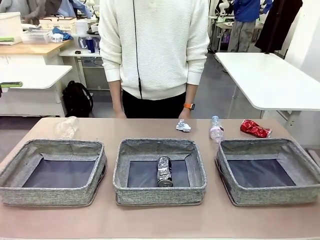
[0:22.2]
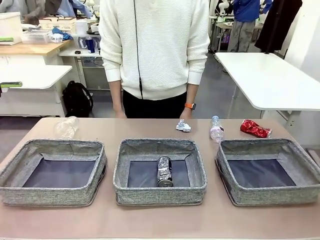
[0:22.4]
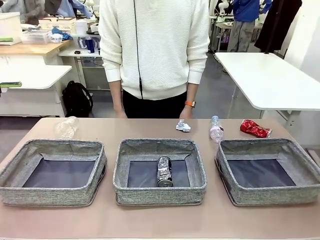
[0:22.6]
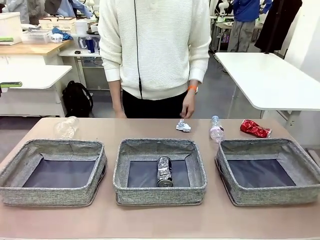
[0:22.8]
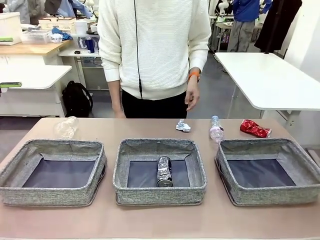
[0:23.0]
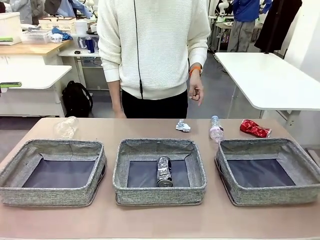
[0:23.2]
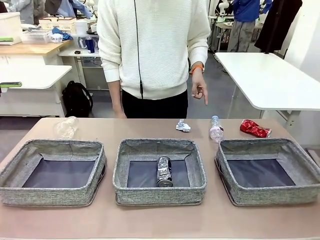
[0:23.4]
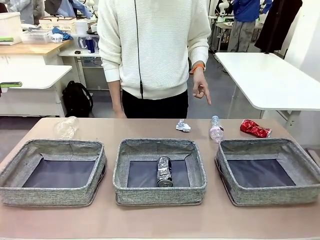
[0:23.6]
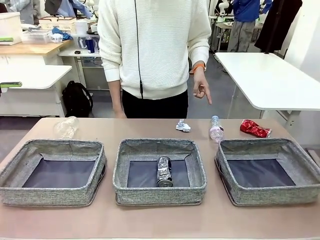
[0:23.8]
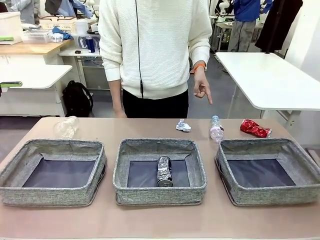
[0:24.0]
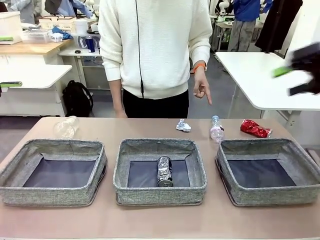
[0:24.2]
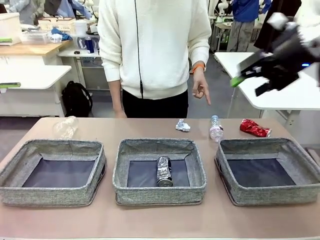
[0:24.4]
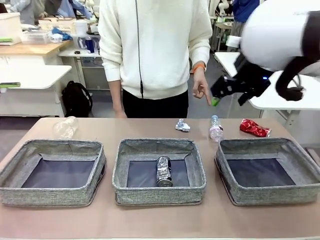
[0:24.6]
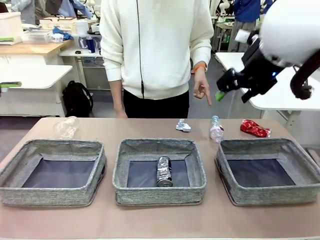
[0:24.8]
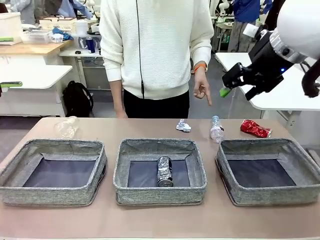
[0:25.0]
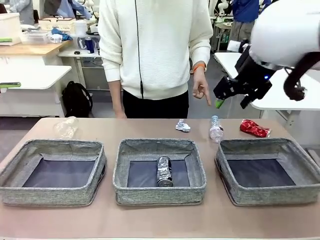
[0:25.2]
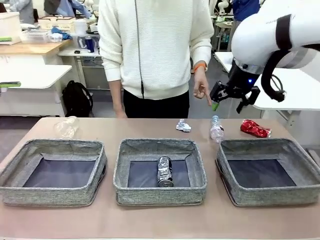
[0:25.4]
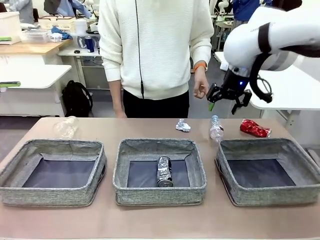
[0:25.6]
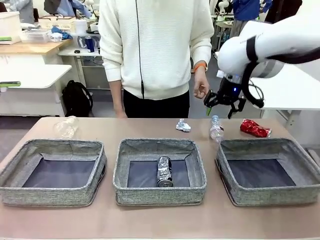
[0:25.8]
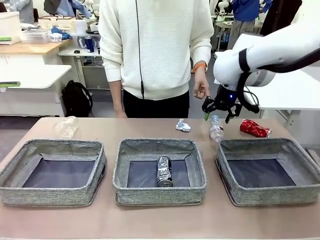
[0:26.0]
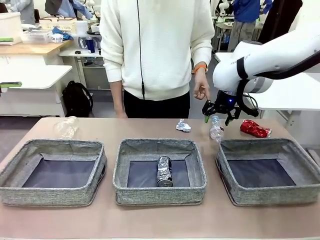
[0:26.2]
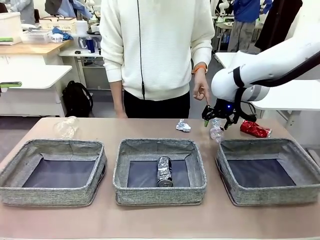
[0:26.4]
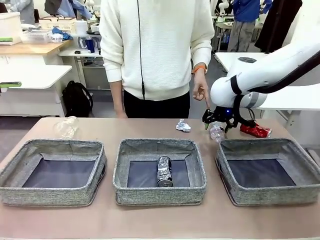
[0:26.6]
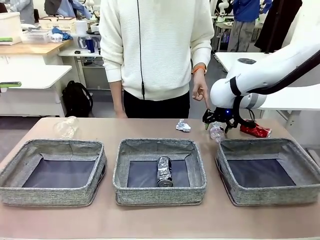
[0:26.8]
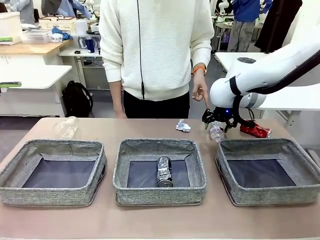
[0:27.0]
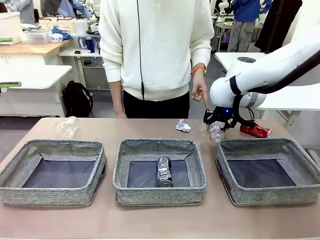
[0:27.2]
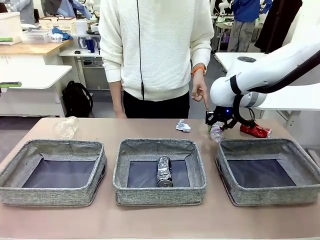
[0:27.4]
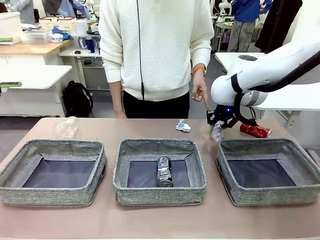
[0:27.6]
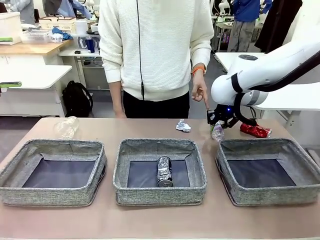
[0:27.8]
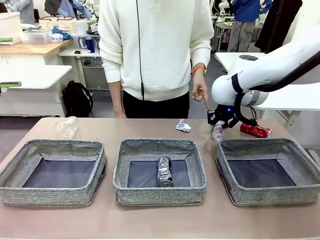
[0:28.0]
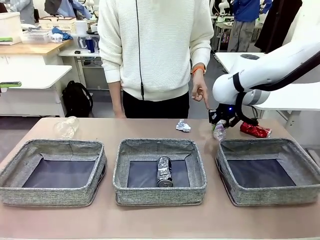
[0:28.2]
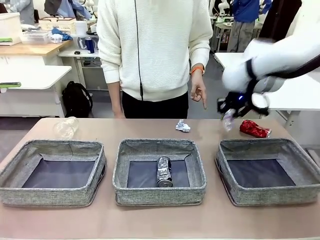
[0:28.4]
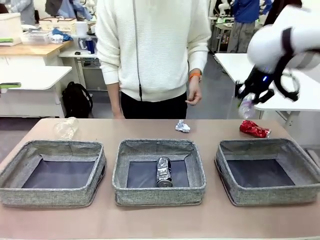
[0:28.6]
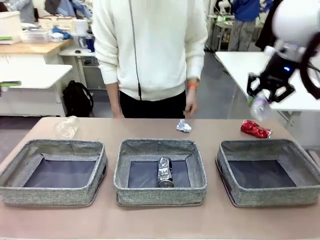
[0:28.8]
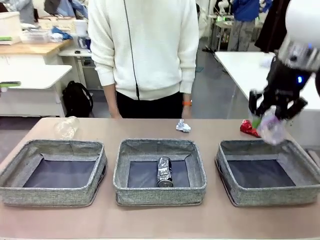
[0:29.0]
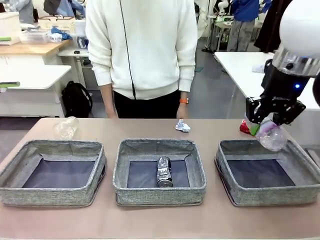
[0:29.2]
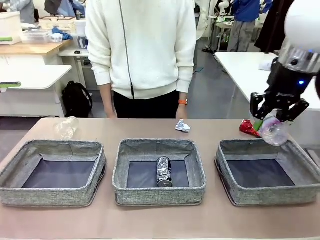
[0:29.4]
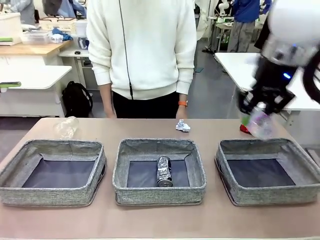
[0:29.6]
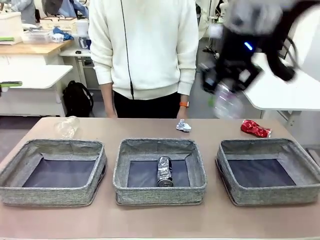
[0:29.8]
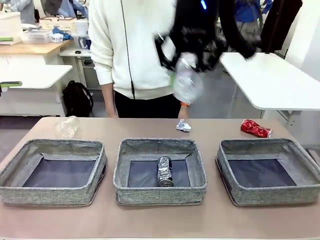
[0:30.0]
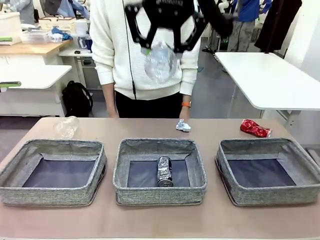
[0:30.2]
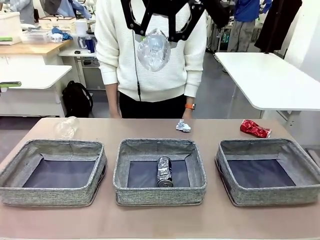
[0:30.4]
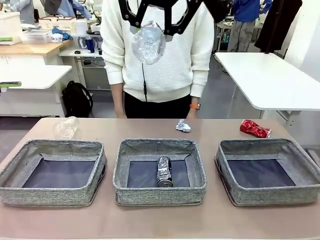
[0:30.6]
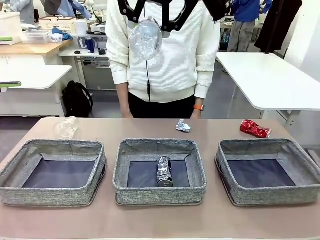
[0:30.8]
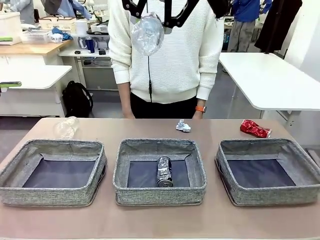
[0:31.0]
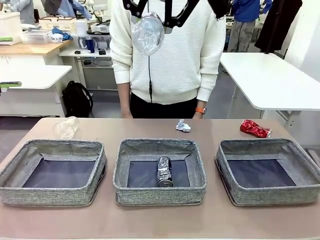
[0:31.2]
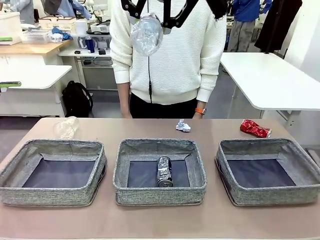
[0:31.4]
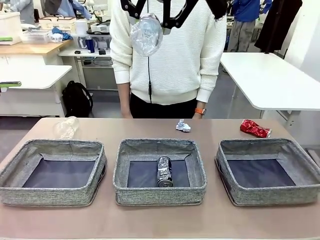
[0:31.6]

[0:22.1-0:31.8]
Task: Sort the waste into the appropriate baskets.
Robot: Pick up the waste item pointed out by the person.
Person: Points to one piece of trash on the table.

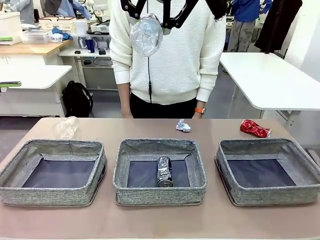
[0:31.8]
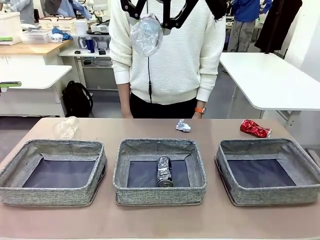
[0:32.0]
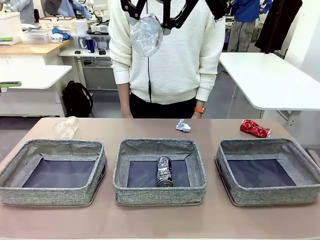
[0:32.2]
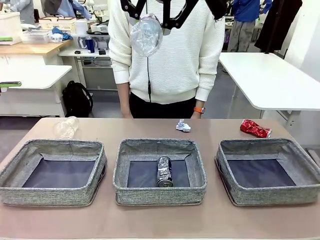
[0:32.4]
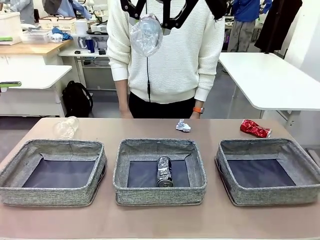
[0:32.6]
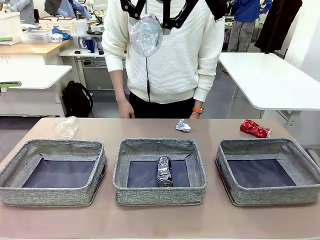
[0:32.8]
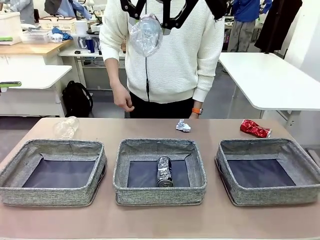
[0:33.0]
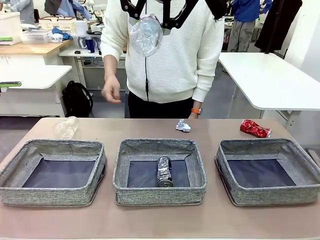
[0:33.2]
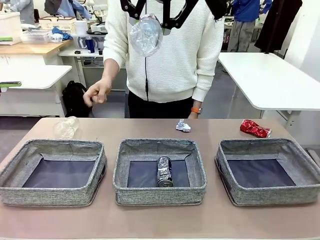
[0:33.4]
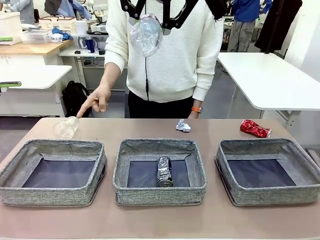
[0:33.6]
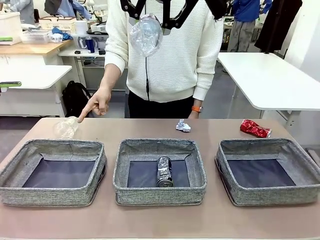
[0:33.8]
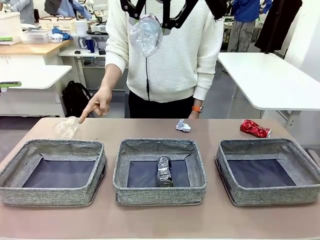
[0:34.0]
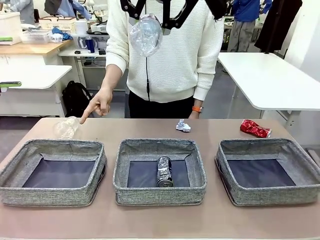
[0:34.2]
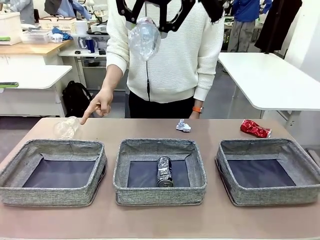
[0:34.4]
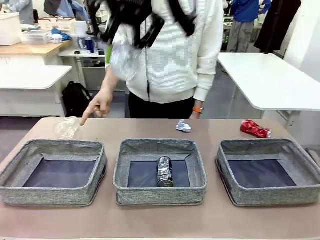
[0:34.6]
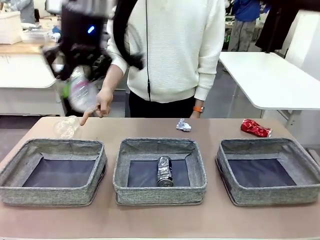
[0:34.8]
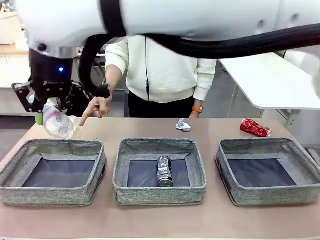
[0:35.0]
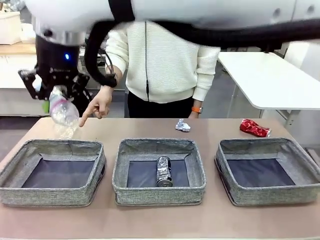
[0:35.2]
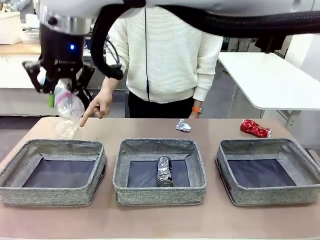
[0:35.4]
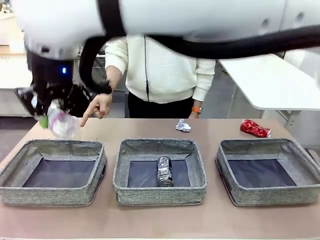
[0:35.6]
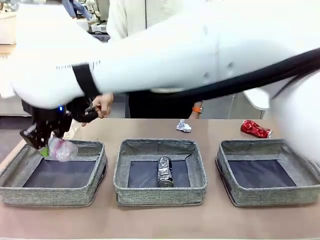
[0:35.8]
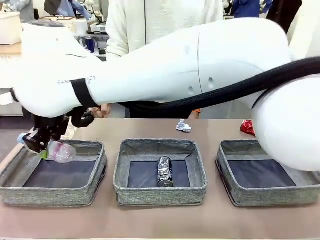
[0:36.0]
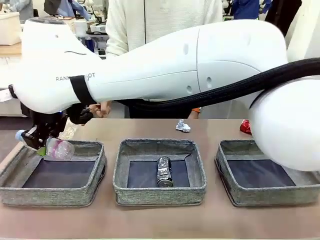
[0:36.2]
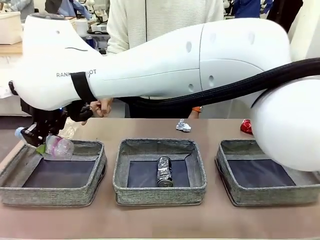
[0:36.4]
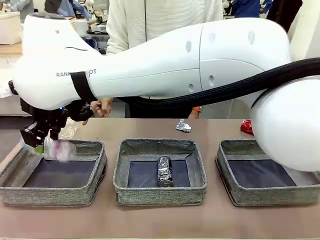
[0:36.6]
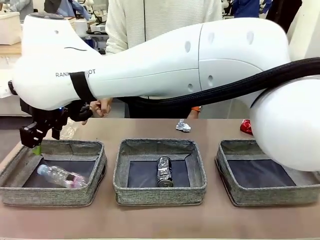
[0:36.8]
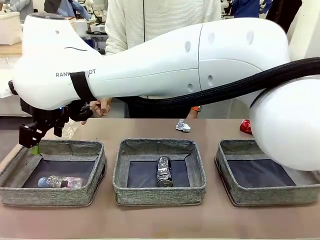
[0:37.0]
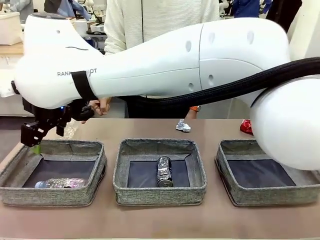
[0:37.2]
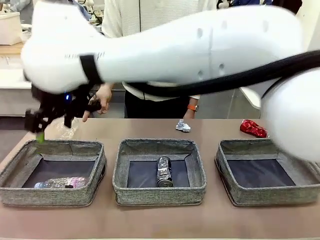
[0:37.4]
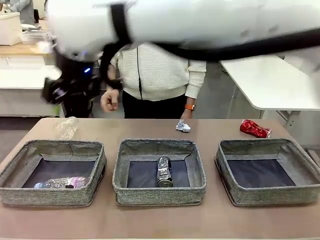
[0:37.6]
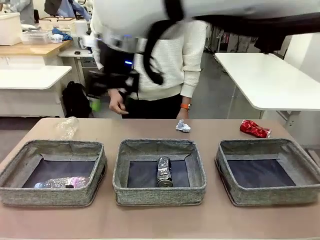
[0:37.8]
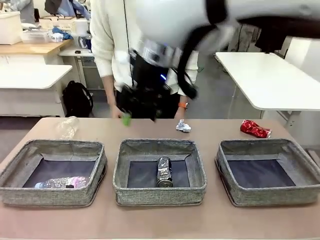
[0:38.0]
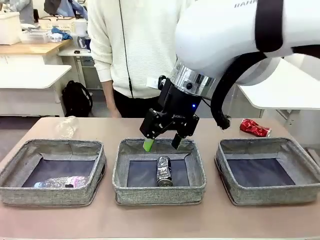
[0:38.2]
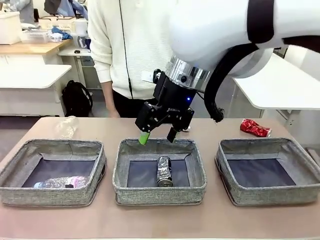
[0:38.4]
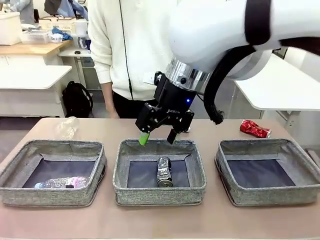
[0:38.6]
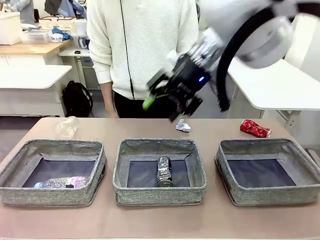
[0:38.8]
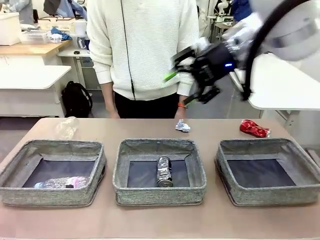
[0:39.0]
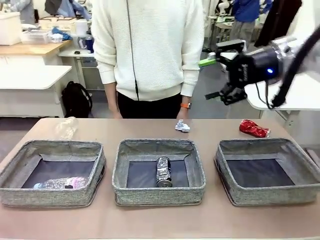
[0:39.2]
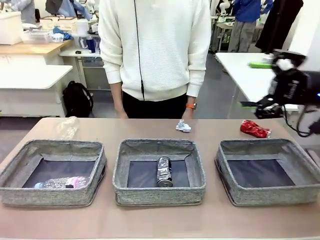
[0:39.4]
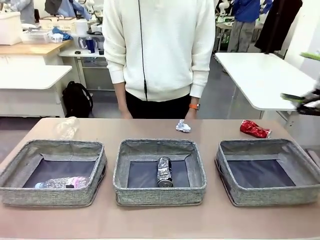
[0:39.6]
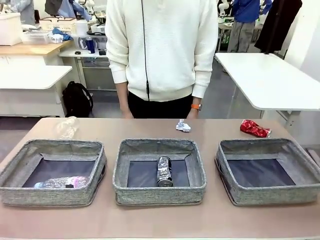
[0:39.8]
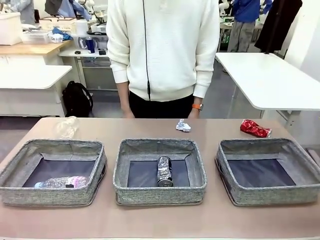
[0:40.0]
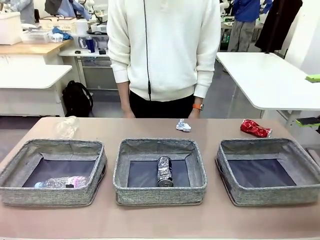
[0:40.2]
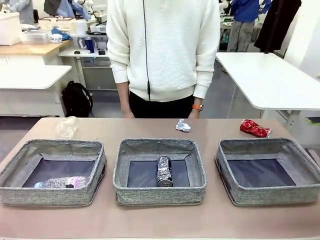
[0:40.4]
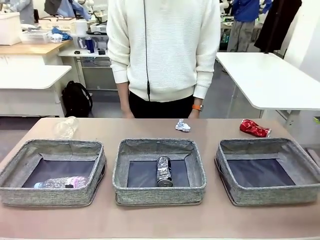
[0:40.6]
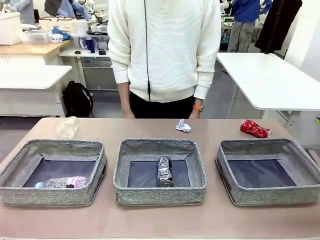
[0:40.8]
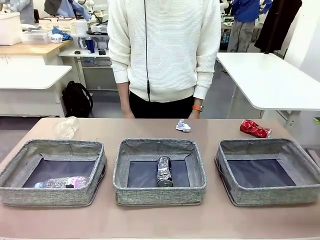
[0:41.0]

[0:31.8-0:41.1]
Robot: Place the picked waste into the Fabric basket indicated by the person.
Person: Instructs the robot to place the picked-up trash into the appropriate organizing basket.
